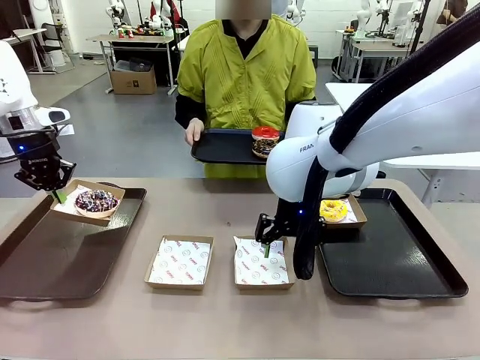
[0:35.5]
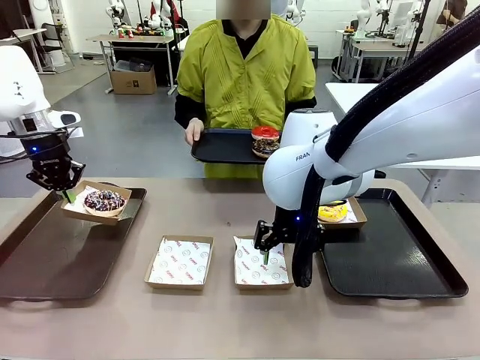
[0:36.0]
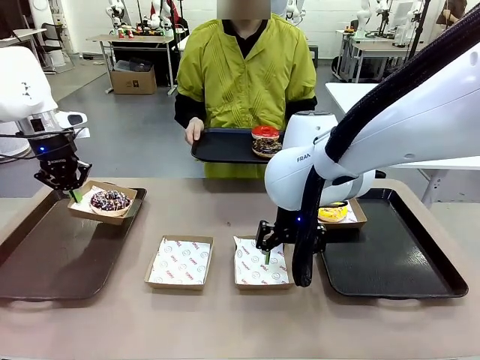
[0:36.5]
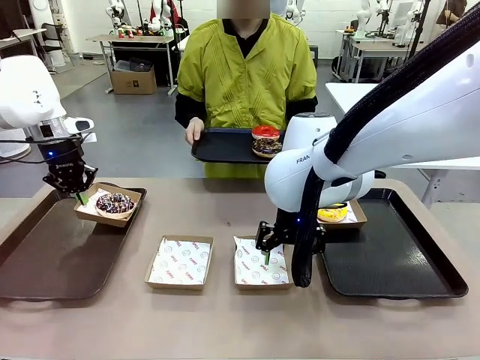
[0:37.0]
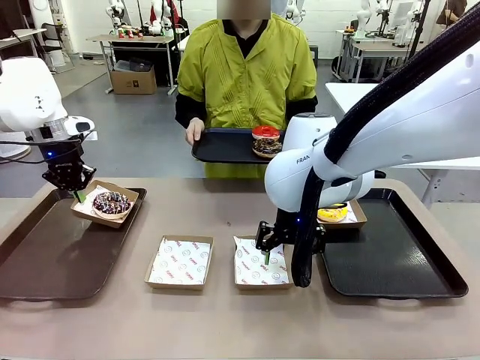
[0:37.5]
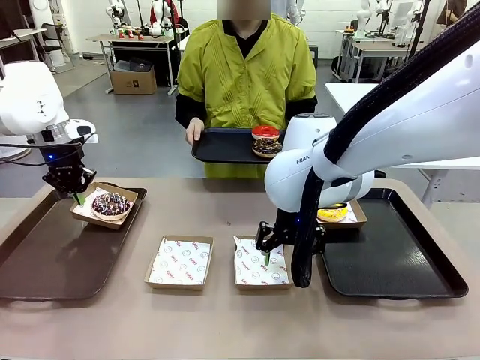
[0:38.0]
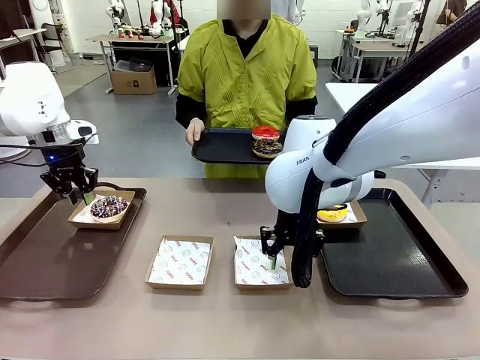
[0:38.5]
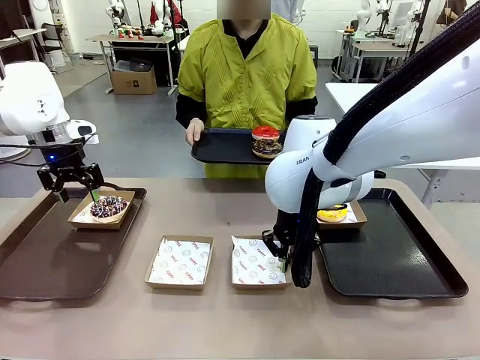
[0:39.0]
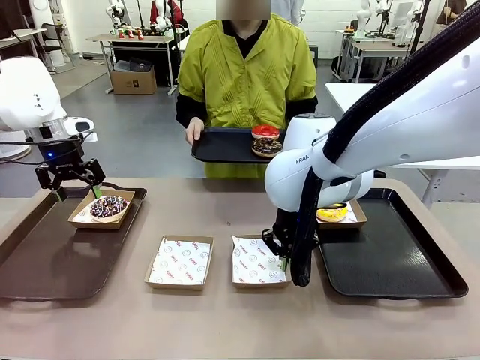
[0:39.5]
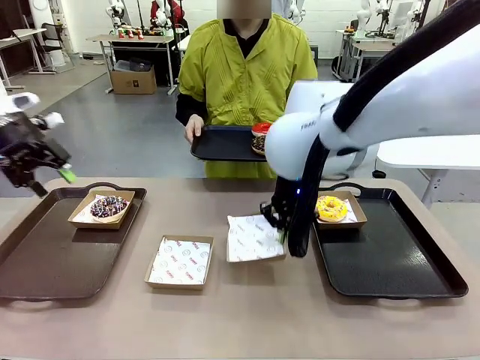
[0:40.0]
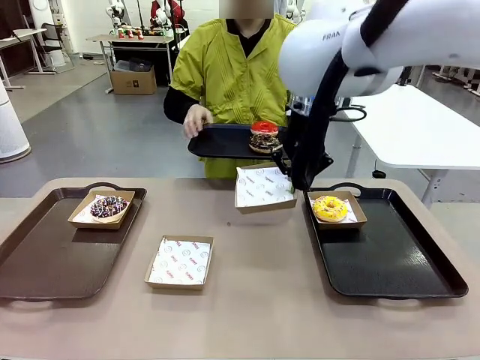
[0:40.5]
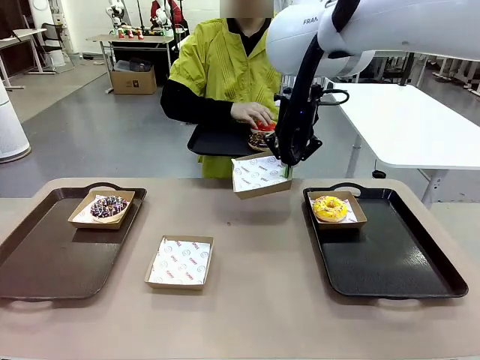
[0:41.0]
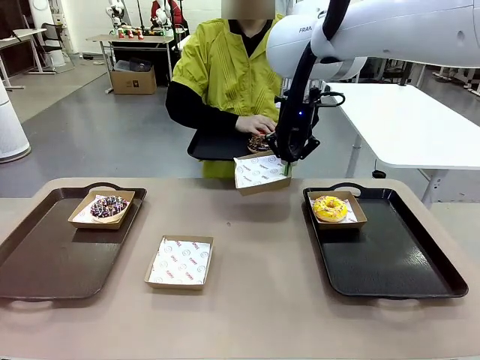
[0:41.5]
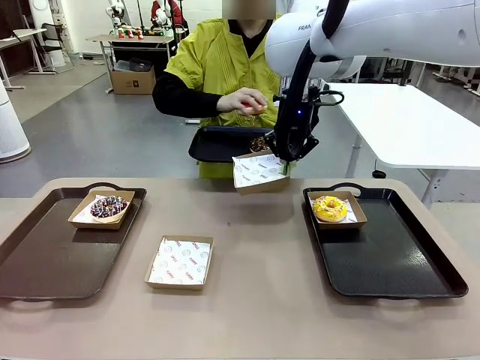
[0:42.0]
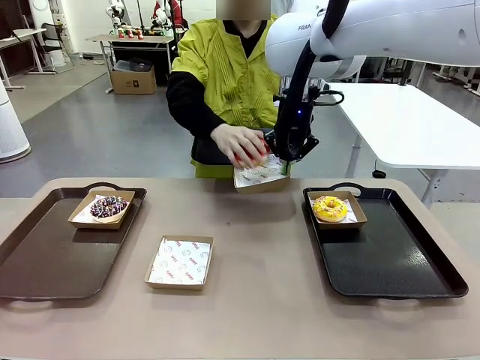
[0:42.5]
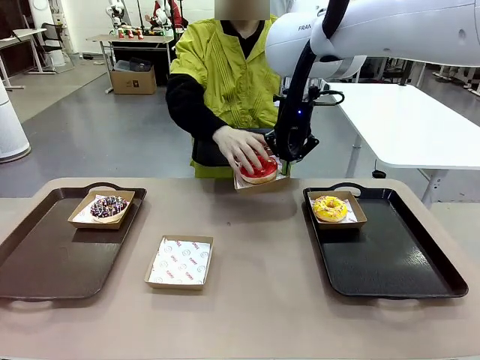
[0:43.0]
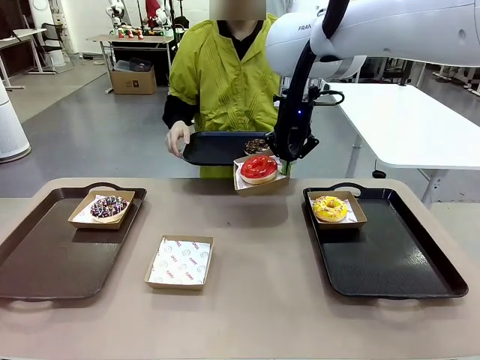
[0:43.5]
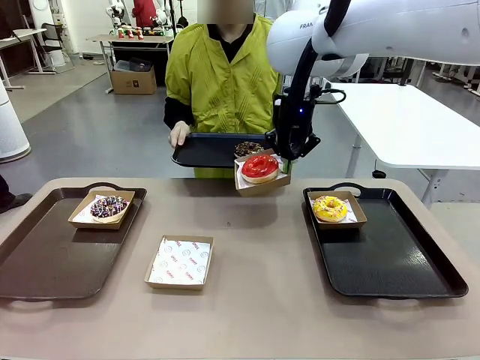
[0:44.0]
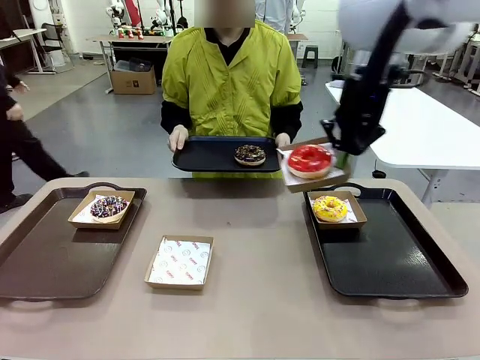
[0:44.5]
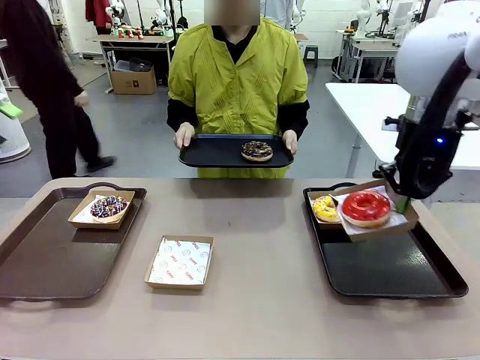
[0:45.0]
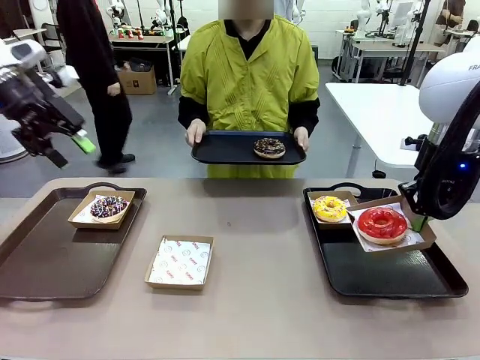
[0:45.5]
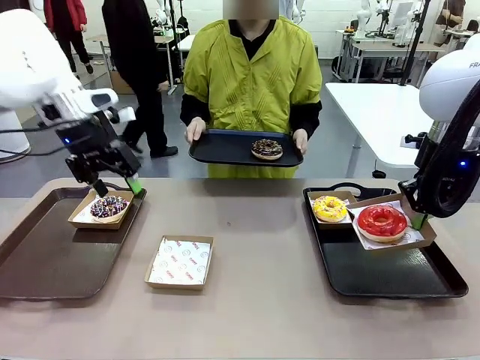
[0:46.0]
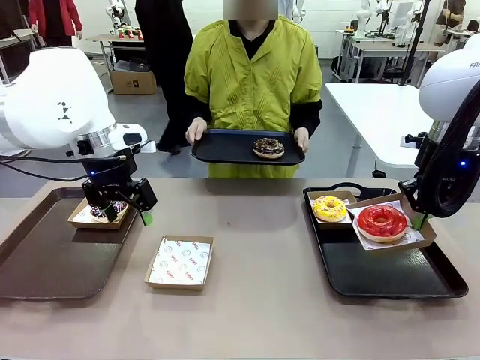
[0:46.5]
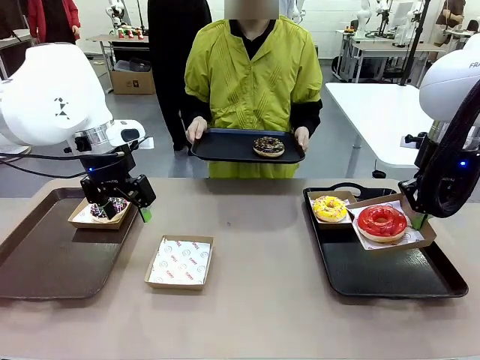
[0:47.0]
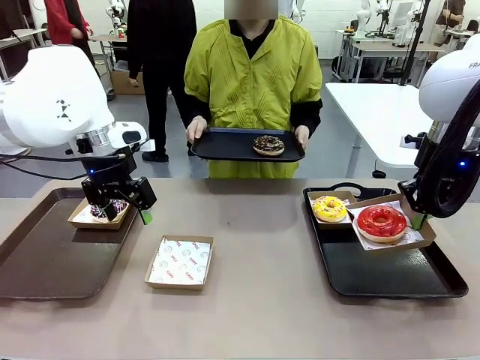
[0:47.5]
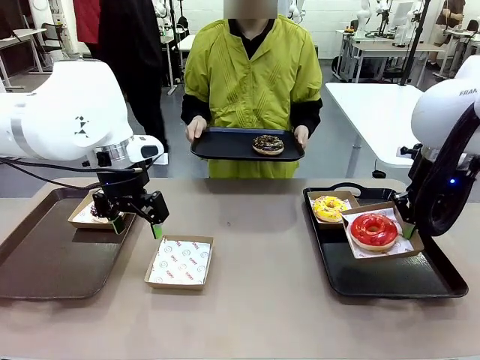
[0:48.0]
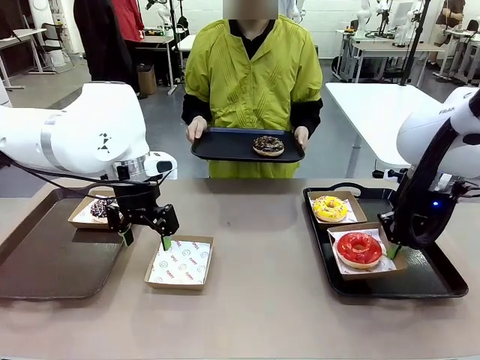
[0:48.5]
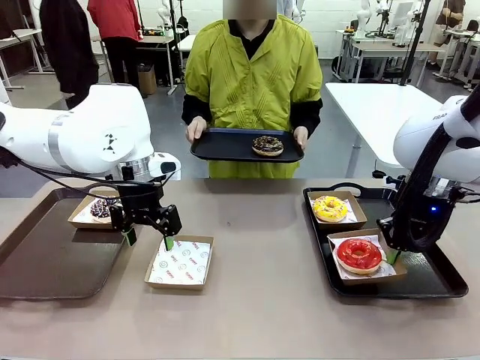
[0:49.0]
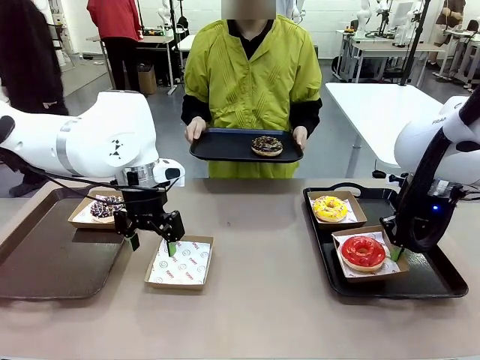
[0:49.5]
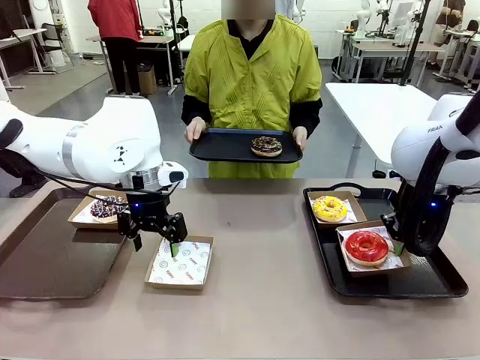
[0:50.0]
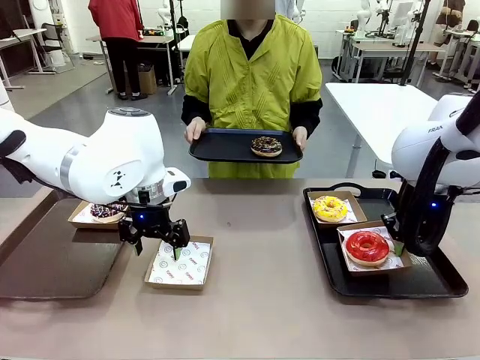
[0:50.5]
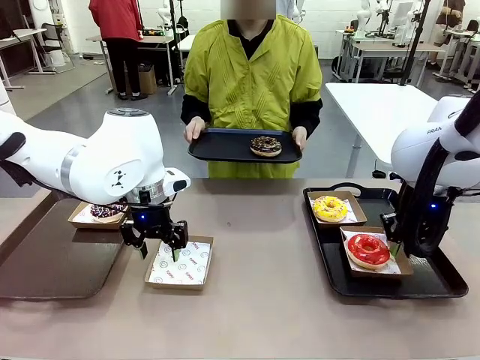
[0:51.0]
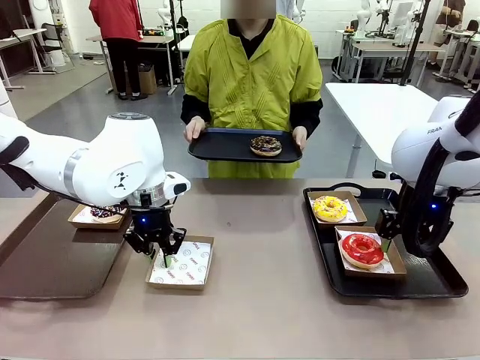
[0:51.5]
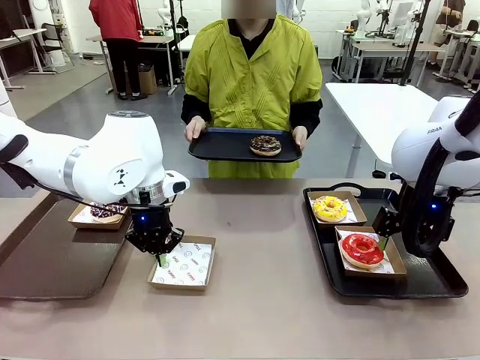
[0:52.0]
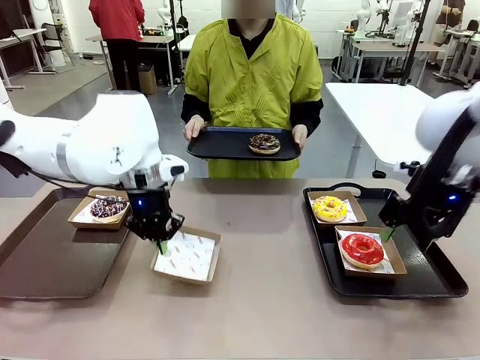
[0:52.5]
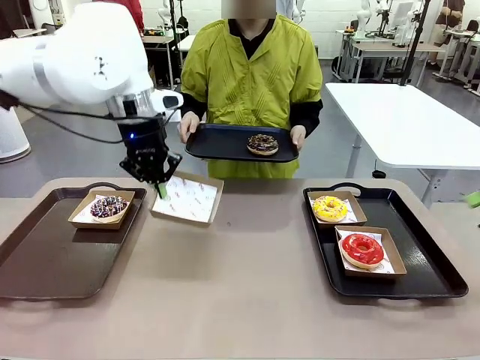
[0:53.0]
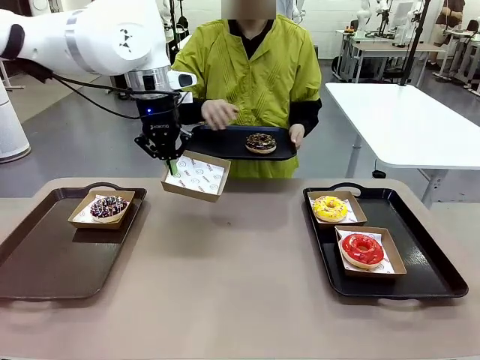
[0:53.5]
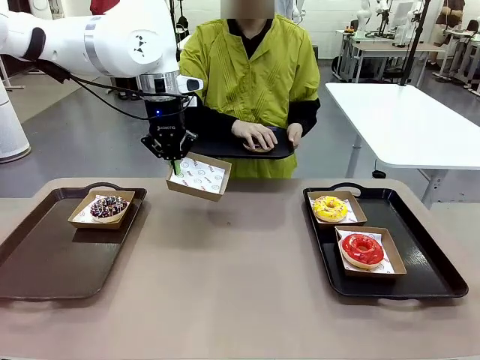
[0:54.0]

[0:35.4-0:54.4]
Task: Individually package the donuts and arrange them on the tray.
Robot: Place the picked Paper togo box on the Handle tray while simultaneously picking up another Paper togo box from the table with the other hand.

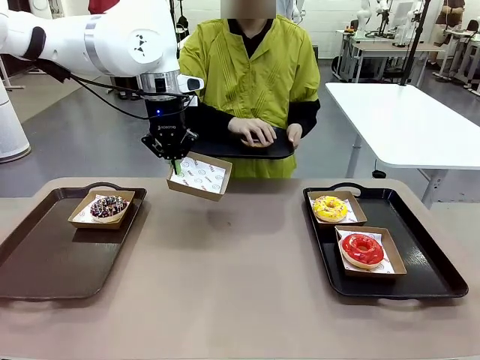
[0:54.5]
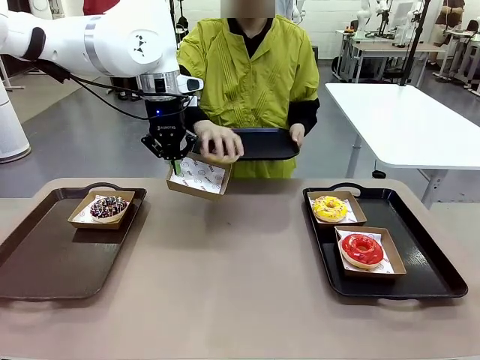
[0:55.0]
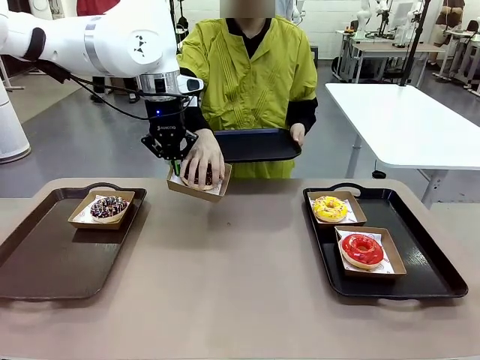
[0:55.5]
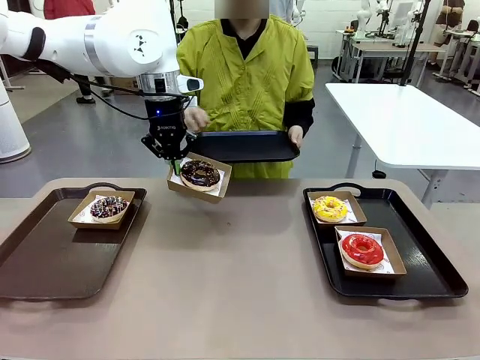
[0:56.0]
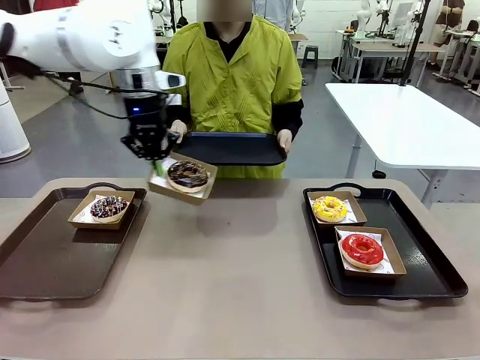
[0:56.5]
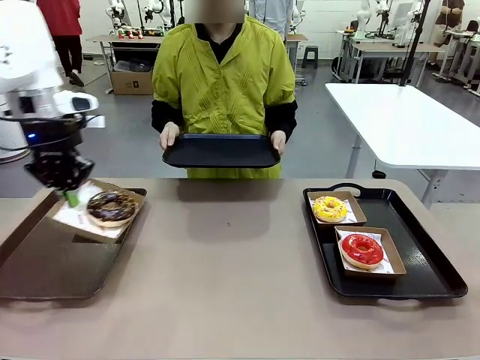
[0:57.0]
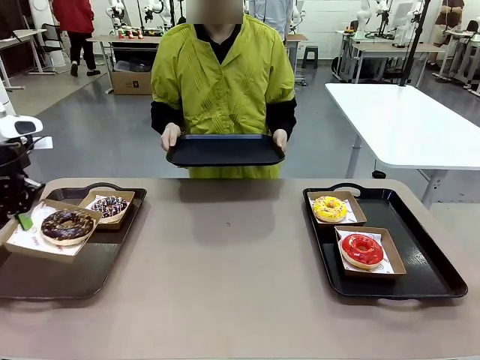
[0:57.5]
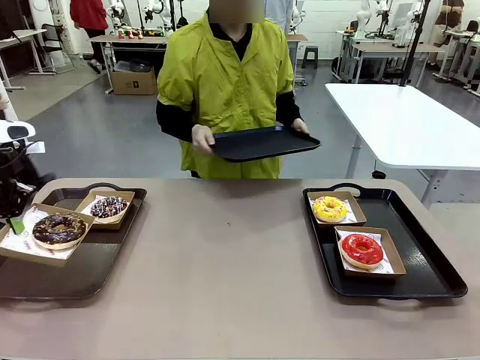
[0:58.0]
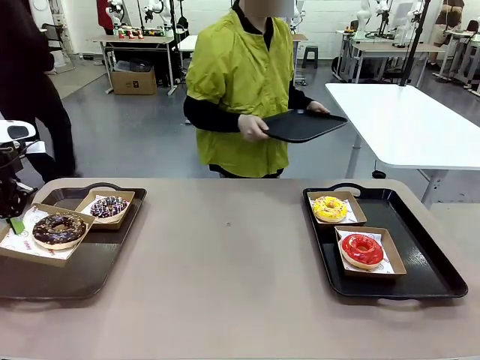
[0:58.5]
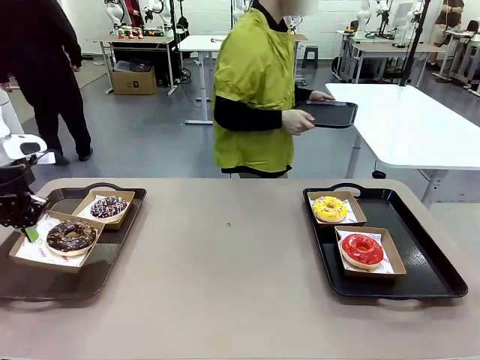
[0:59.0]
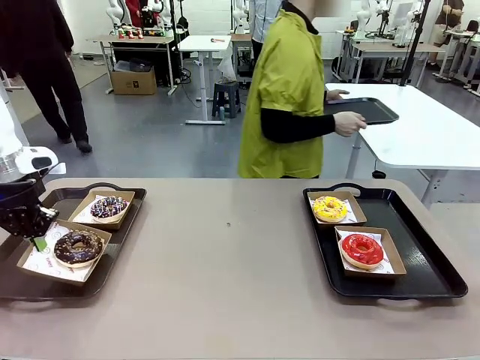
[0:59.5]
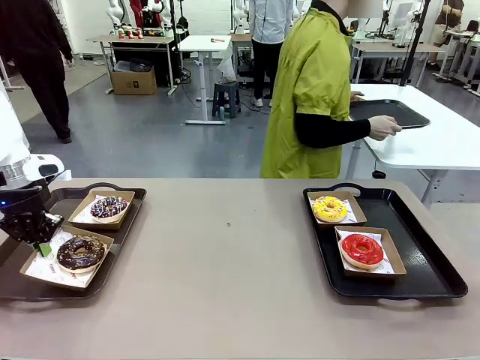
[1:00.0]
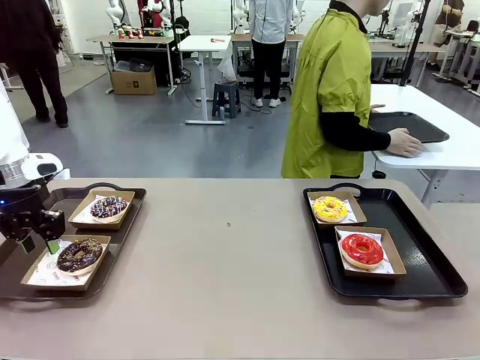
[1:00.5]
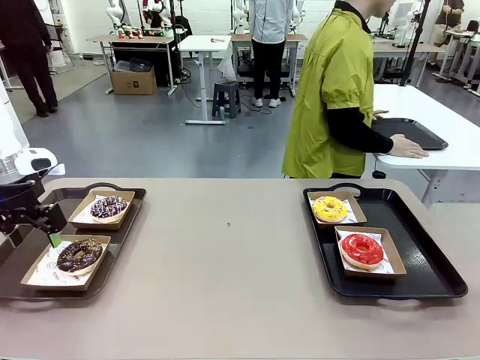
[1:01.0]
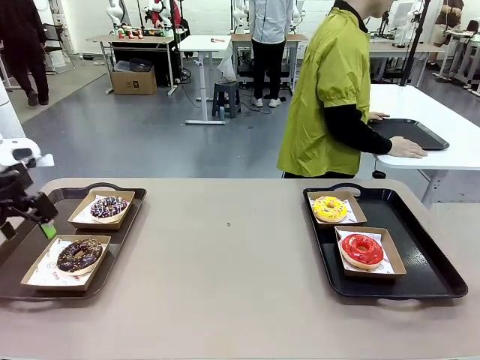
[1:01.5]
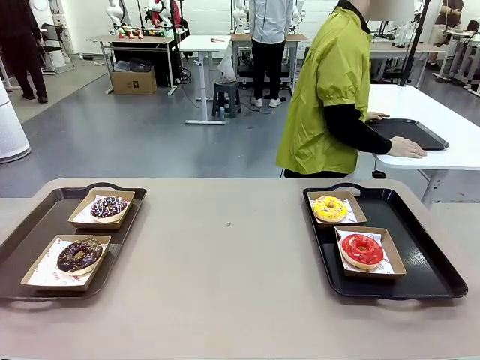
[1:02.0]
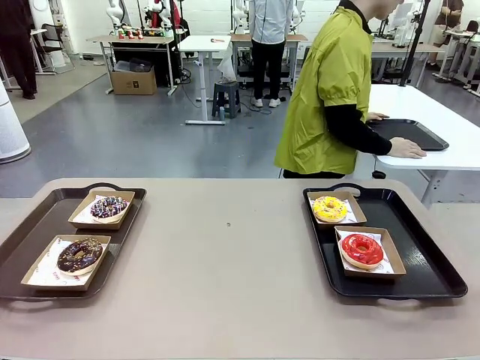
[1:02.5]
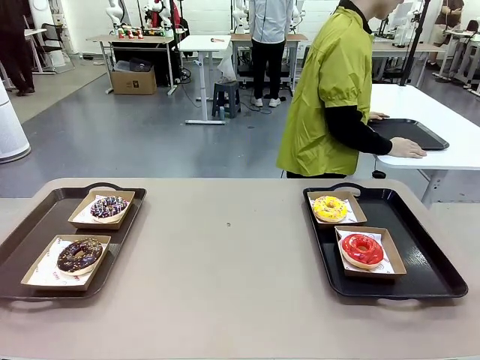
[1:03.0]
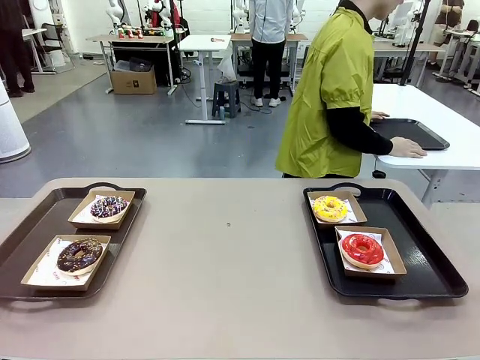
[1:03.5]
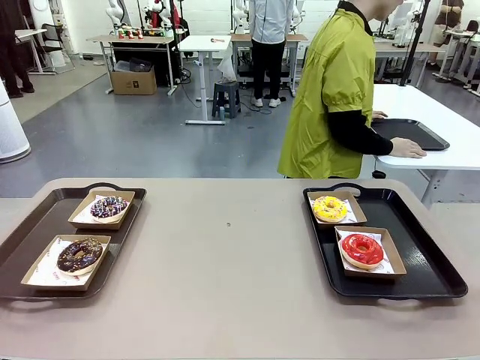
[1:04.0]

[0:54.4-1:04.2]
Robot: Place the picked Paper togo box on the Handle tray.
Person: Place the tray down in the middle of the human table.
